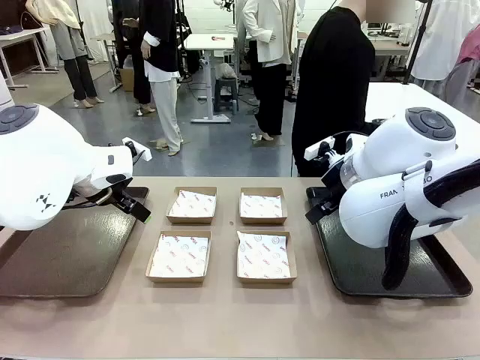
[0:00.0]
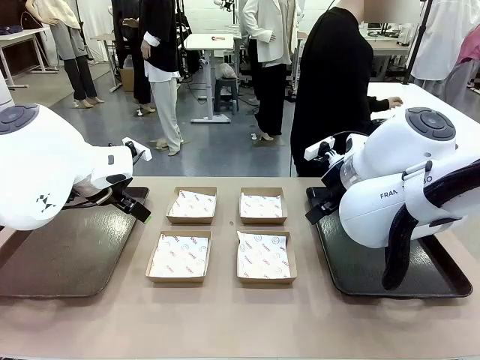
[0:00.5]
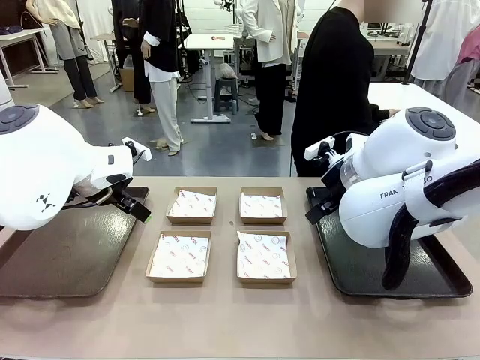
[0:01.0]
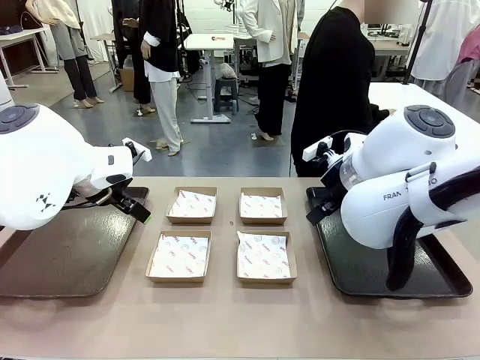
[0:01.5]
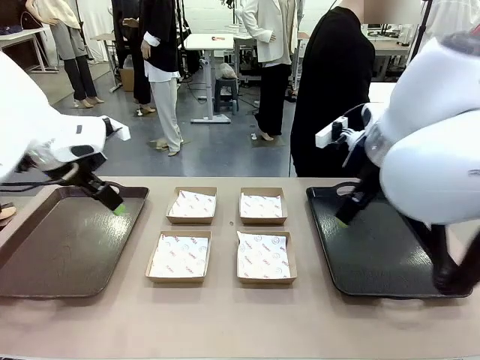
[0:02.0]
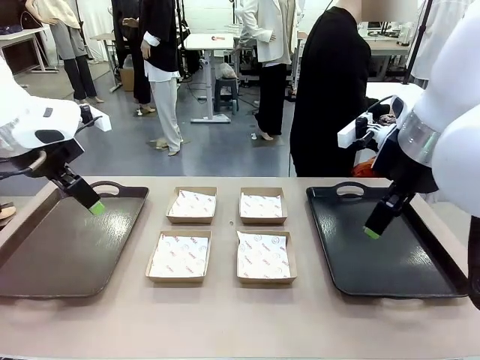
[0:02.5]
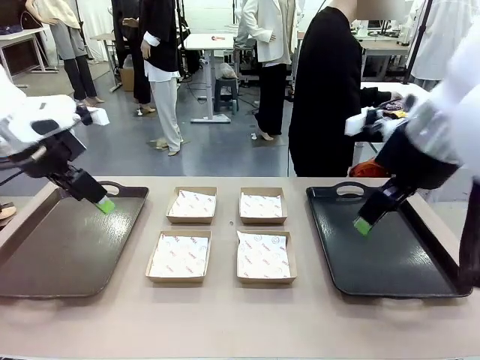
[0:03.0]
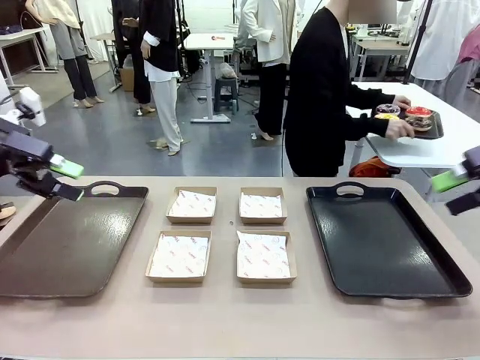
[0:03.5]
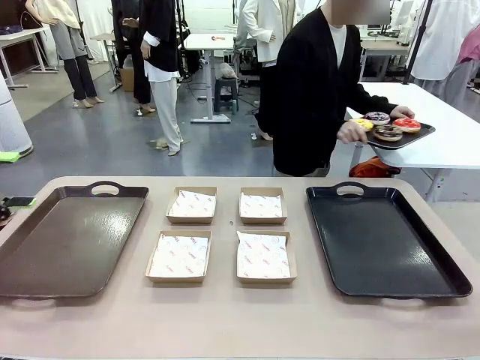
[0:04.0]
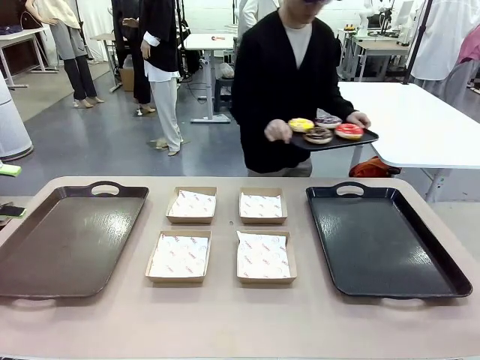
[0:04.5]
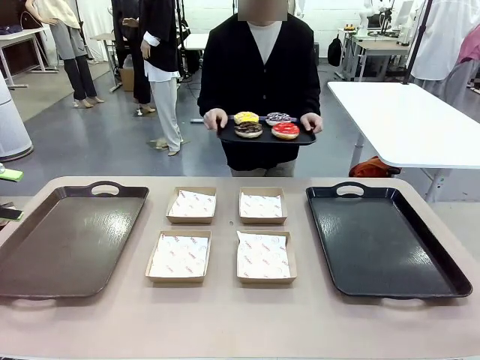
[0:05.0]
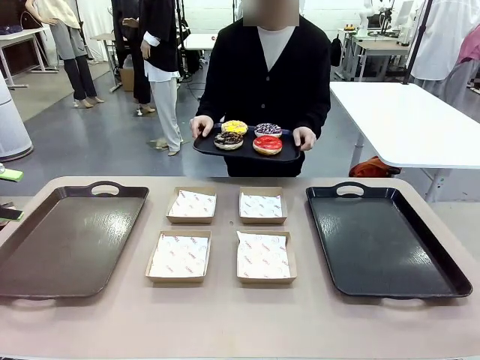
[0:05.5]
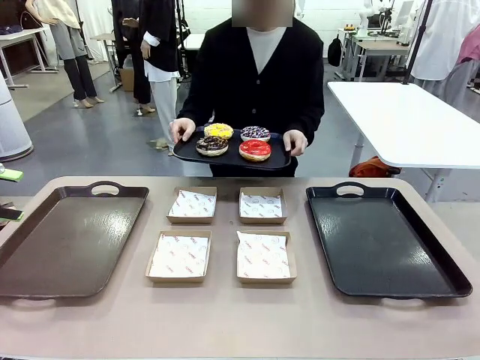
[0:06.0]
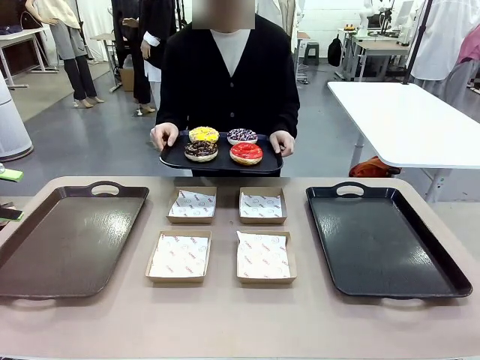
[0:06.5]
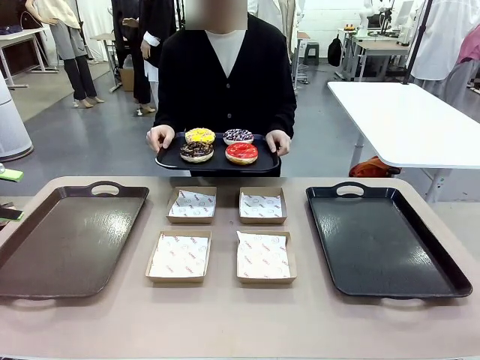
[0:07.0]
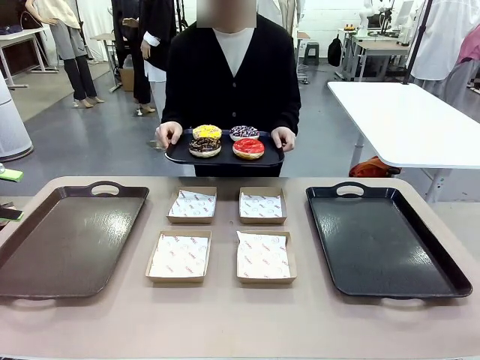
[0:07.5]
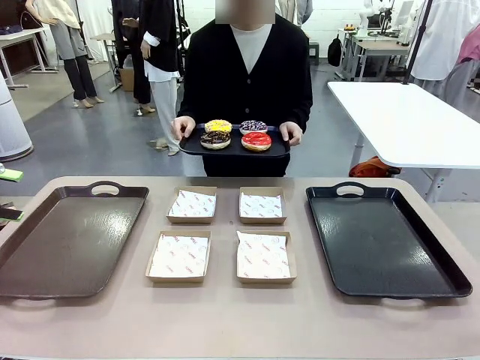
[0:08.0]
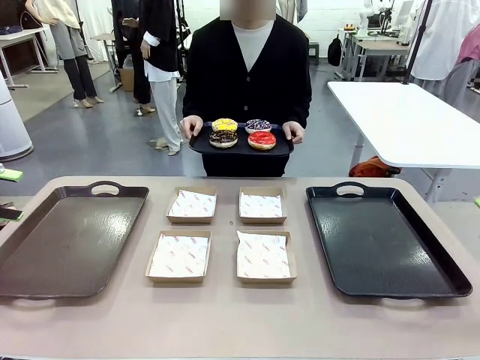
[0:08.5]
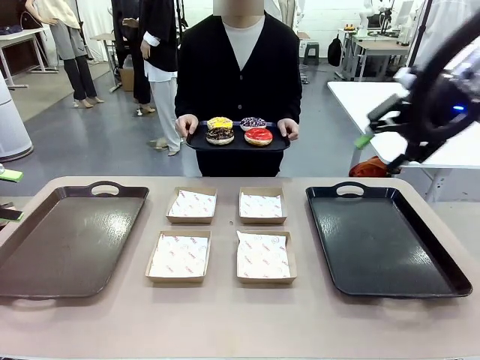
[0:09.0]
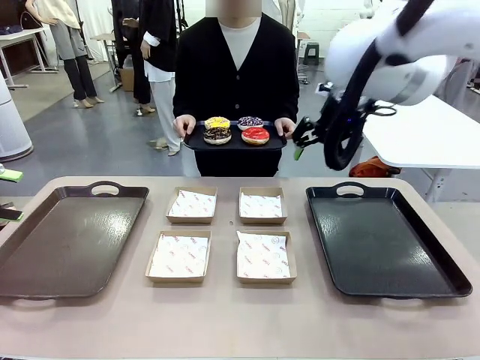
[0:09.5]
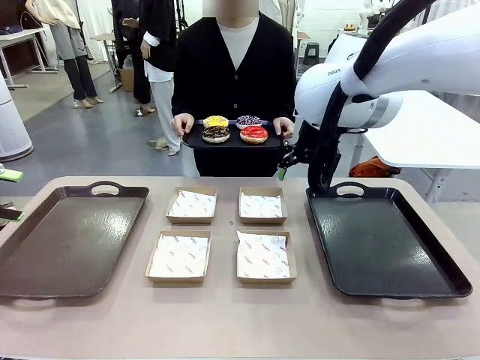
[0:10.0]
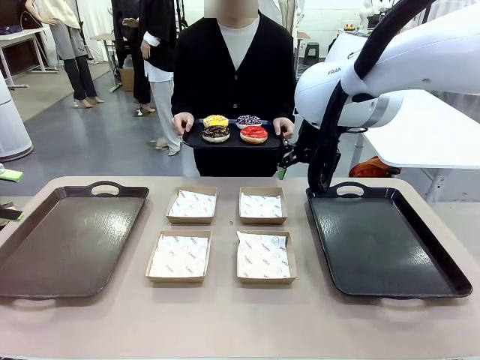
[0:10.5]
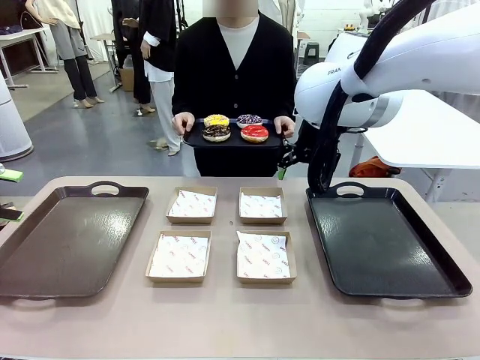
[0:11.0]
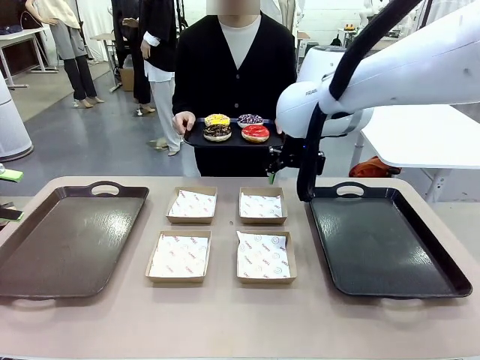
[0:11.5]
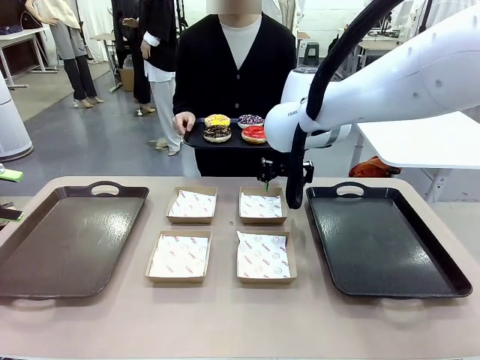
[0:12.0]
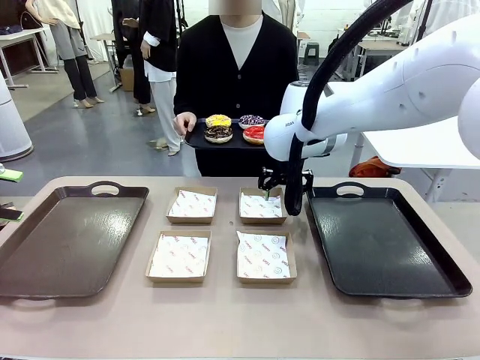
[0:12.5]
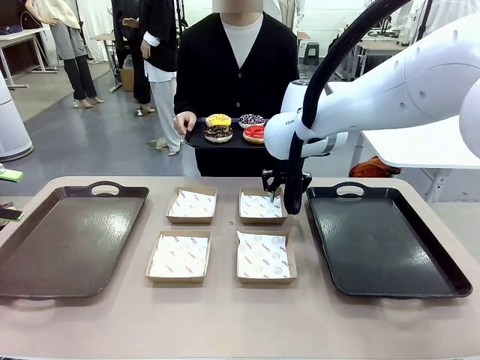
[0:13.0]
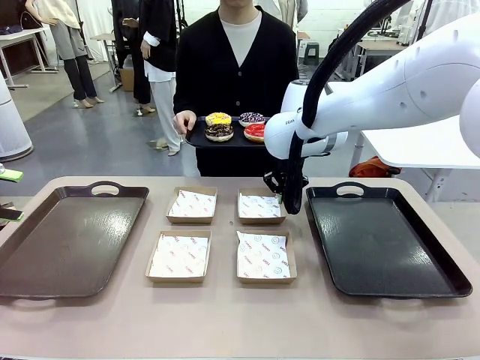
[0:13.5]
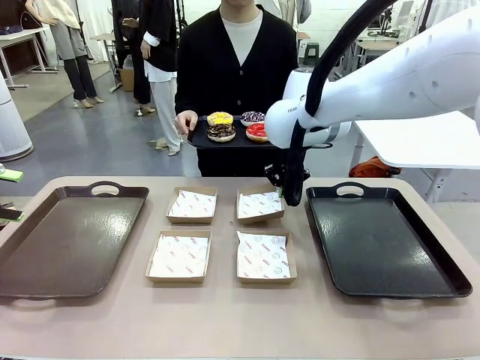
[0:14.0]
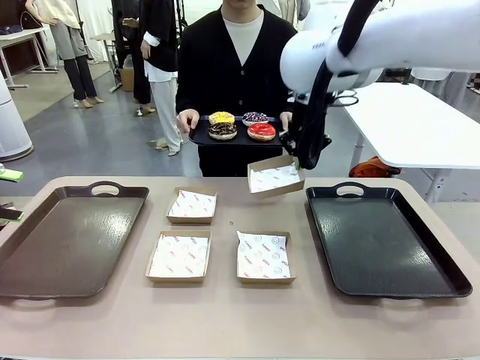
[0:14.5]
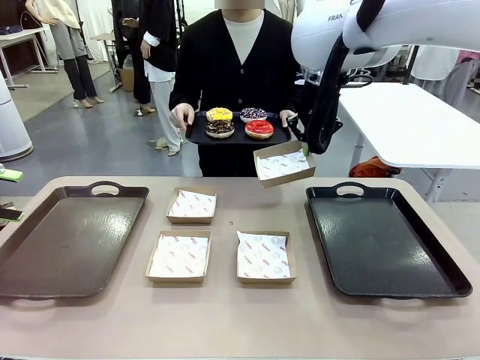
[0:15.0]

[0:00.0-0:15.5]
Task: Individually package the donuts and arrange them on the tray.
Robot: Pick up one Paper togo box.
Person: Stand in front of the robot table holding the tray containing the donuts.

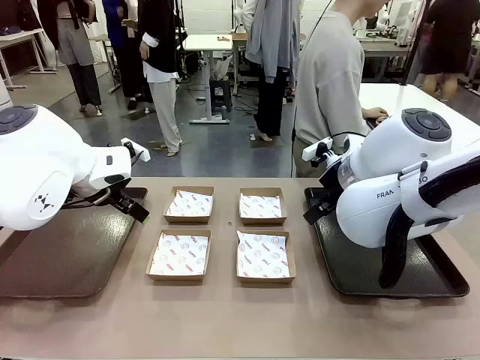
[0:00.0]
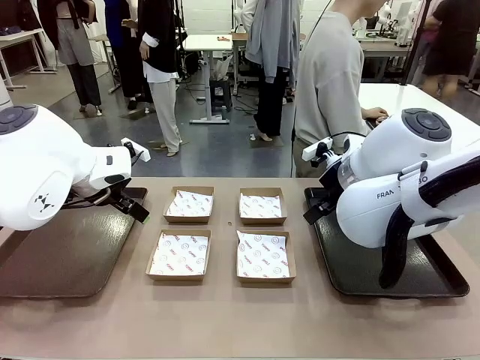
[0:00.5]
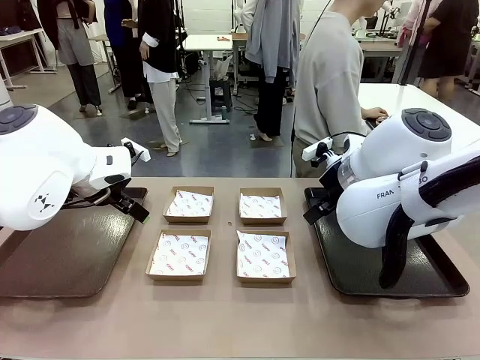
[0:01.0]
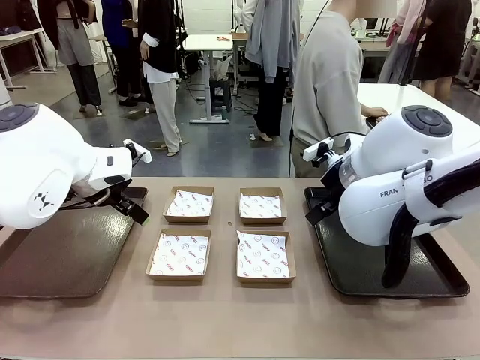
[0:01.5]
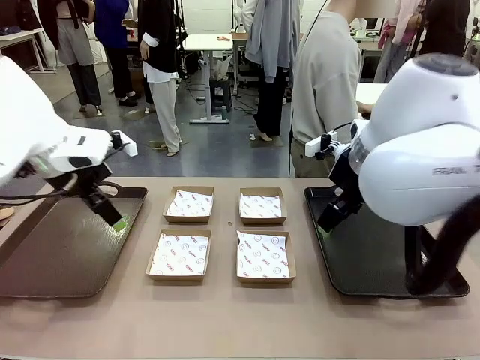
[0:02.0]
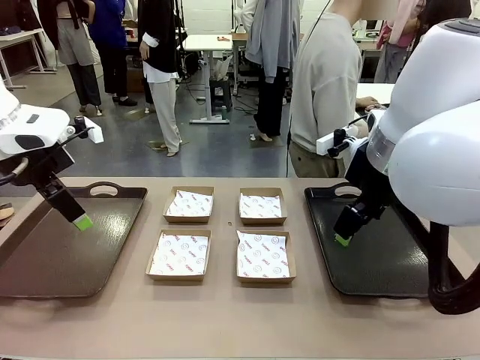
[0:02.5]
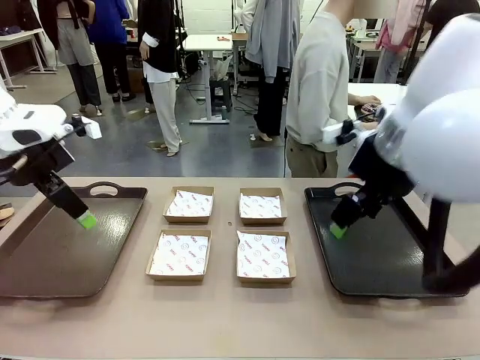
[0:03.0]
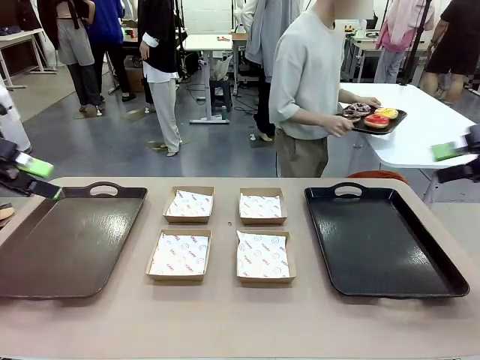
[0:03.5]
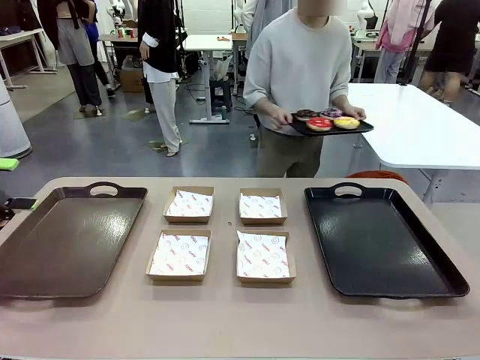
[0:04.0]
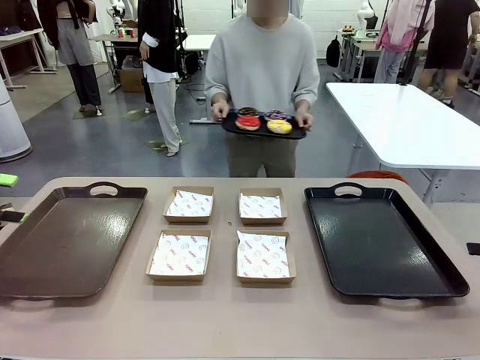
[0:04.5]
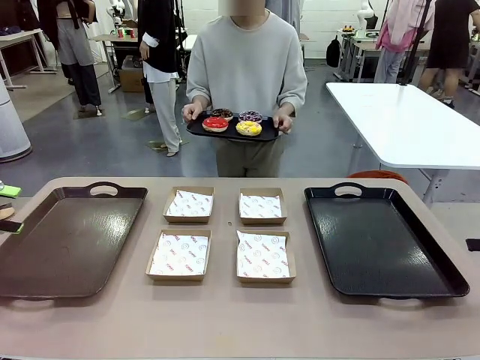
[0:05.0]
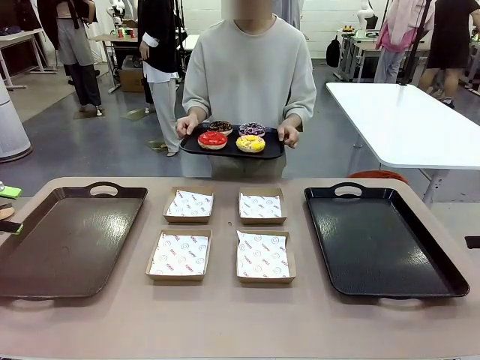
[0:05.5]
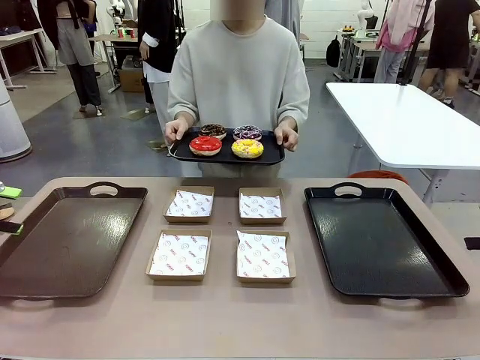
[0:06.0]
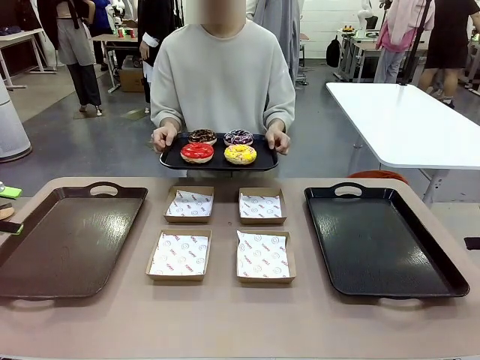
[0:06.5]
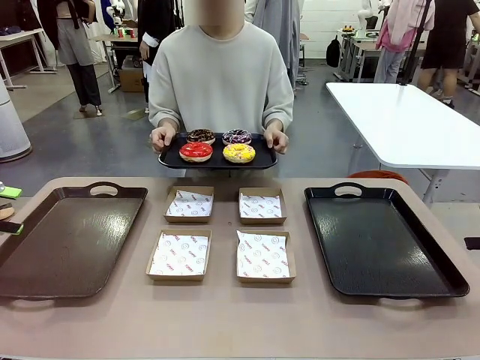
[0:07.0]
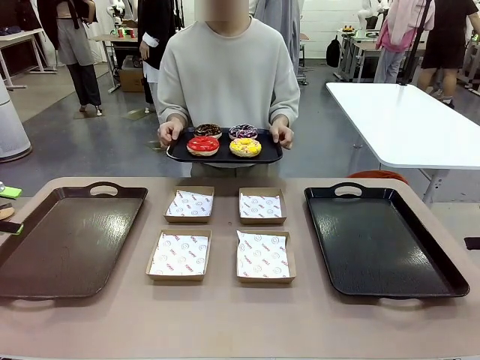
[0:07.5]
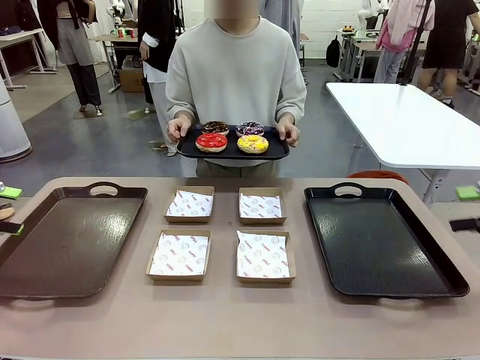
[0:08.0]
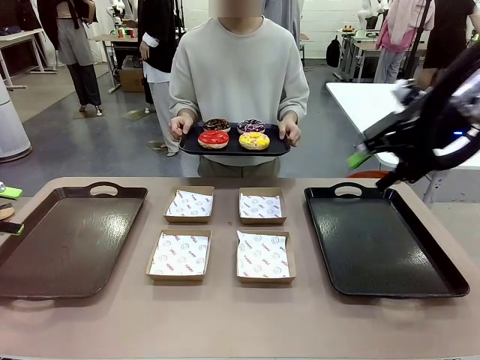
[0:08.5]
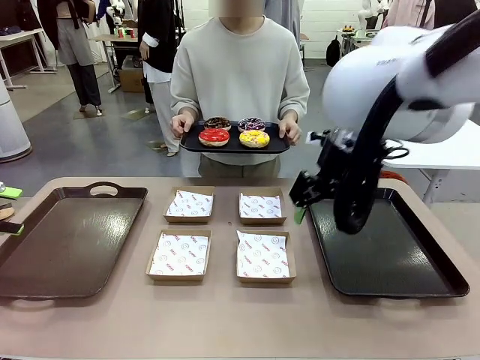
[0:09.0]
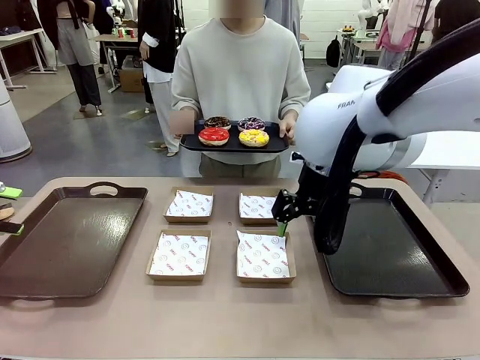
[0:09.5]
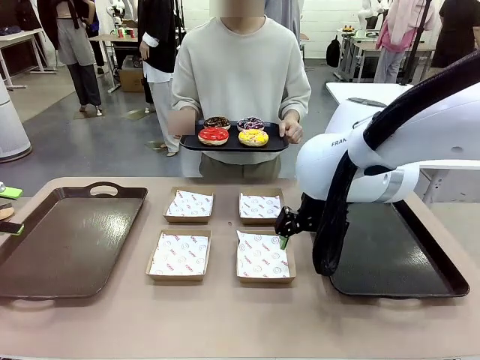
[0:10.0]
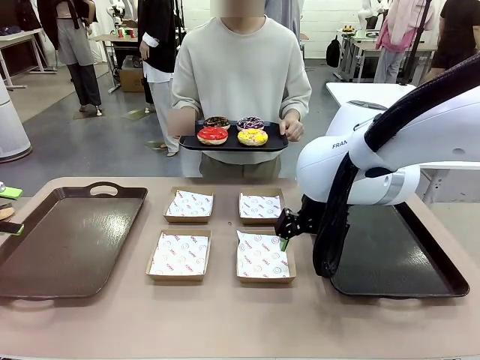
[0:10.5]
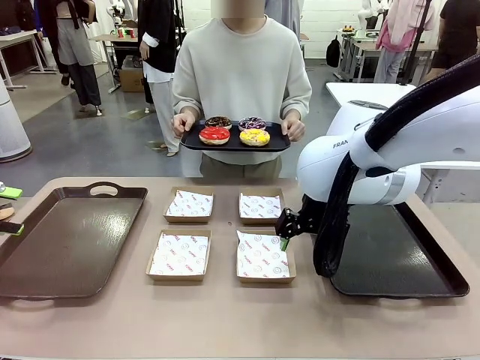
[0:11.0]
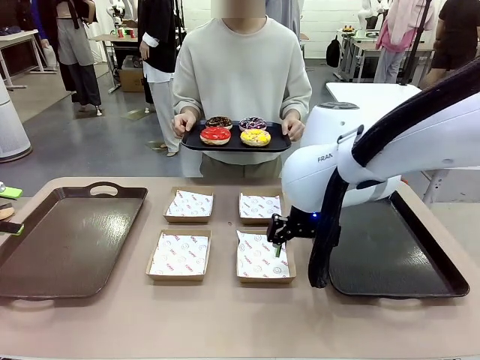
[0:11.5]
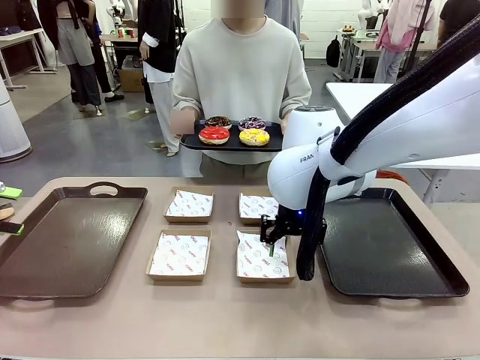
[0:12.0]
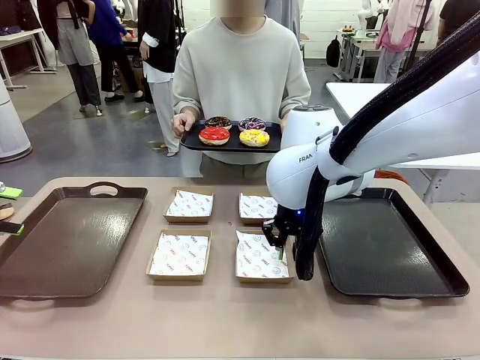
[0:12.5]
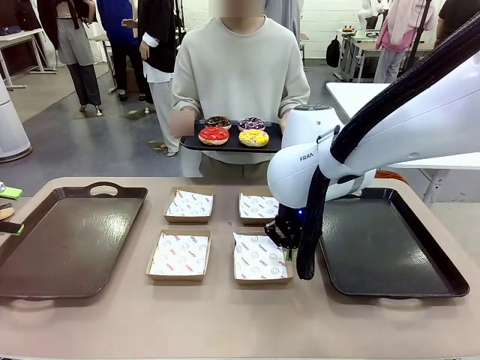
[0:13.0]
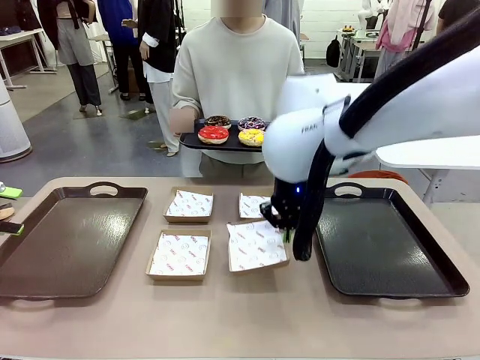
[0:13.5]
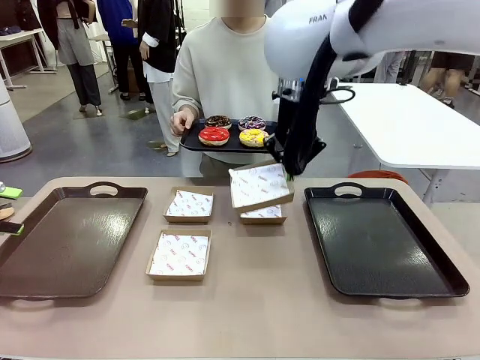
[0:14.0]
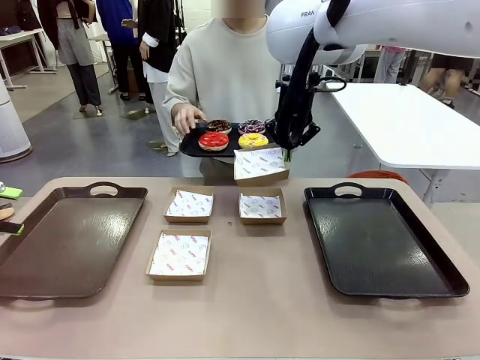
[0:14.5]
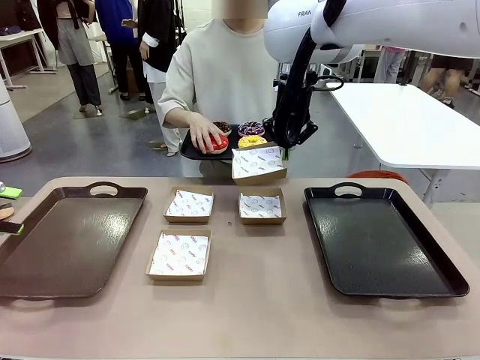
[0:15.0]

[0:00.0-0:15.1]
Task: Individually package the donuts and arrange them on the tray.
Robot: Pick up one Paper togo box.
Person: Stand in front of the robot table holding the tray containing the donuts.
